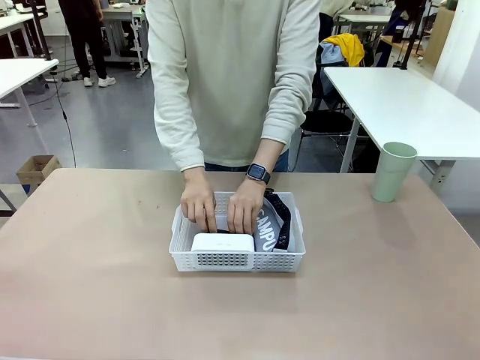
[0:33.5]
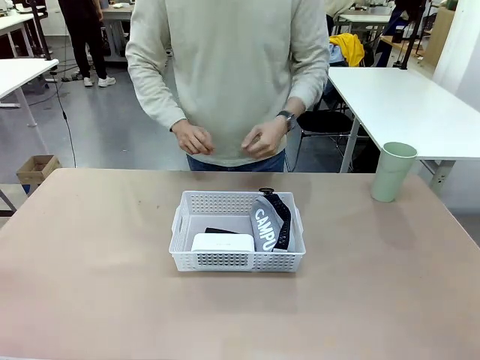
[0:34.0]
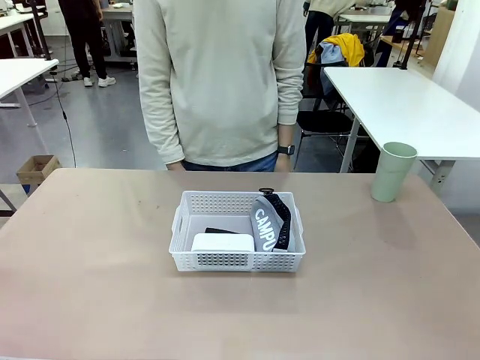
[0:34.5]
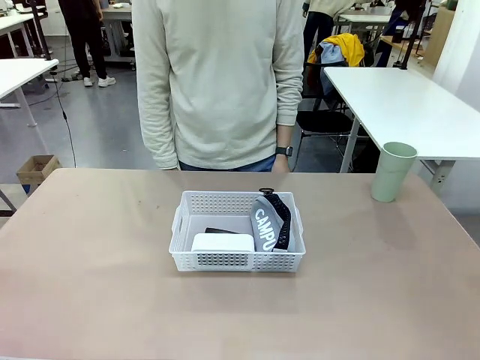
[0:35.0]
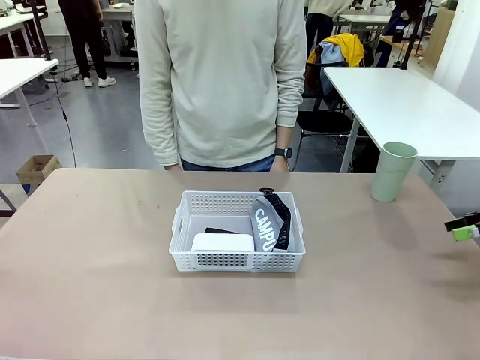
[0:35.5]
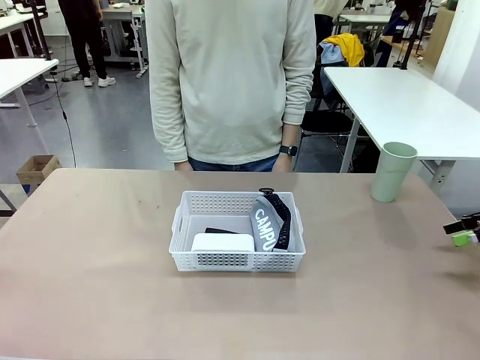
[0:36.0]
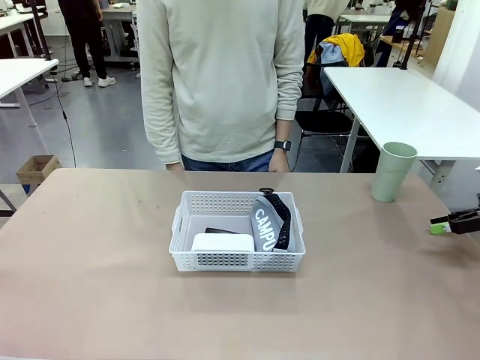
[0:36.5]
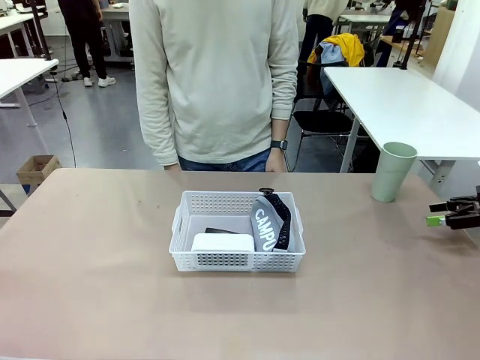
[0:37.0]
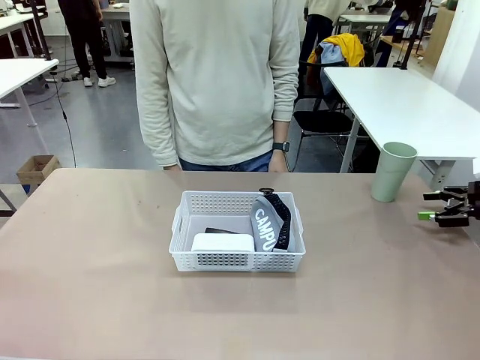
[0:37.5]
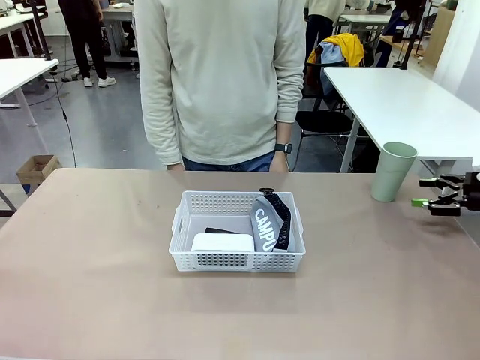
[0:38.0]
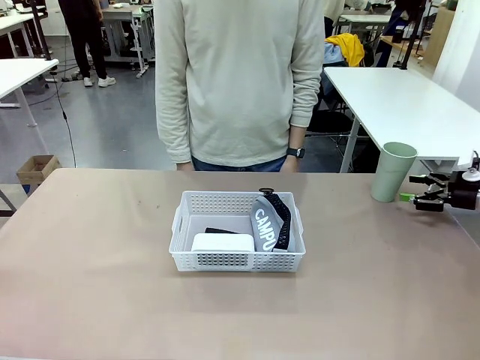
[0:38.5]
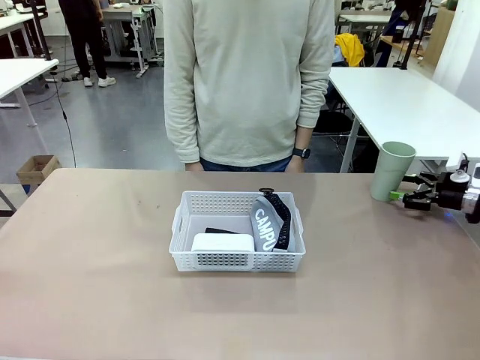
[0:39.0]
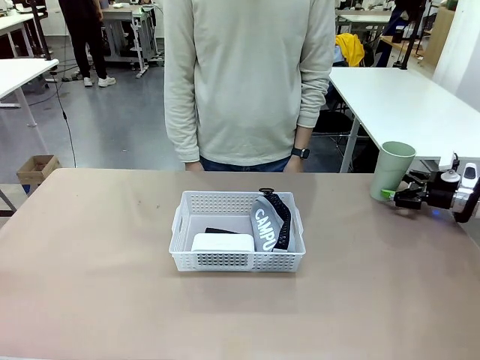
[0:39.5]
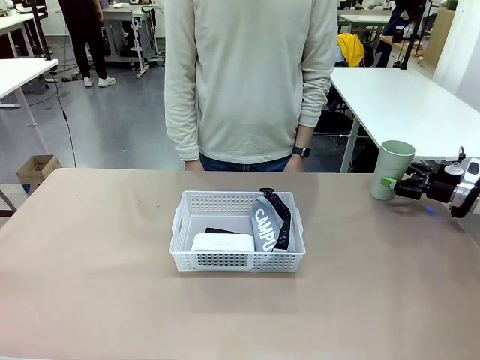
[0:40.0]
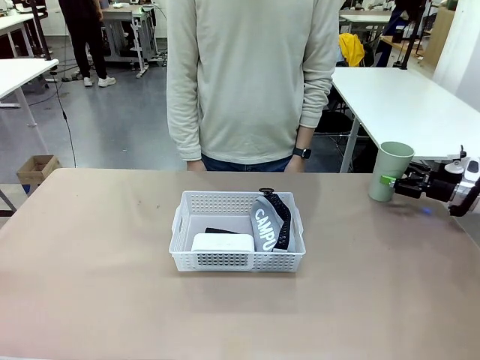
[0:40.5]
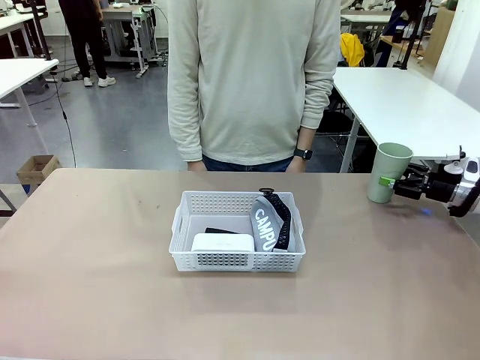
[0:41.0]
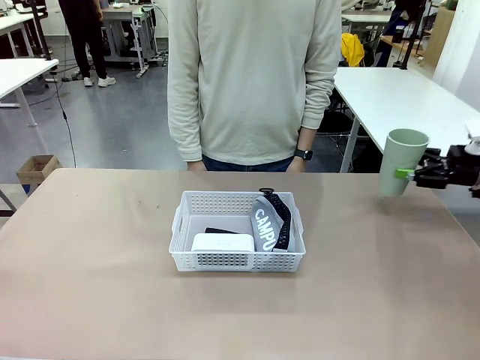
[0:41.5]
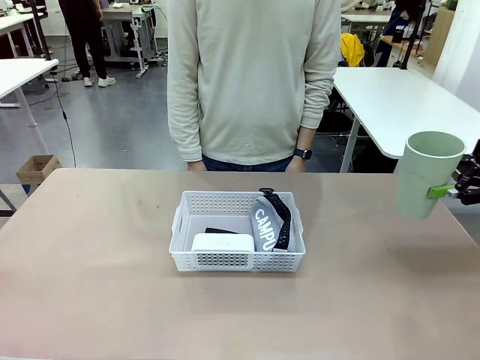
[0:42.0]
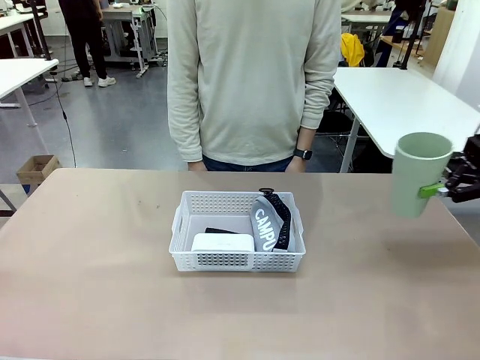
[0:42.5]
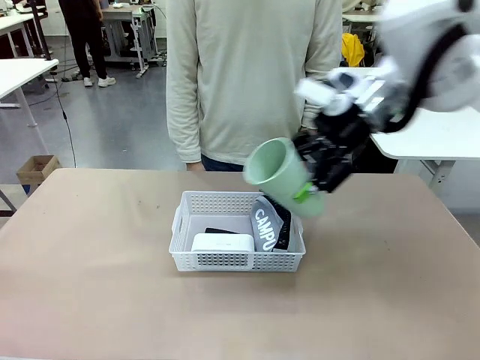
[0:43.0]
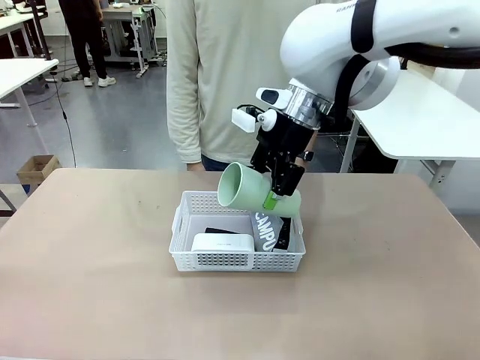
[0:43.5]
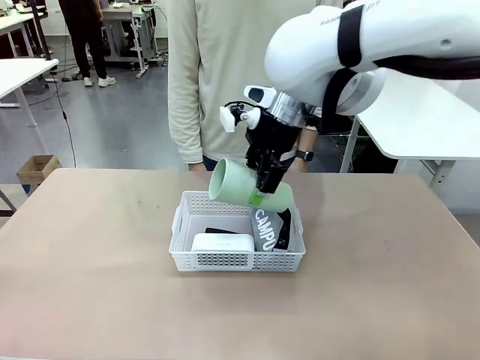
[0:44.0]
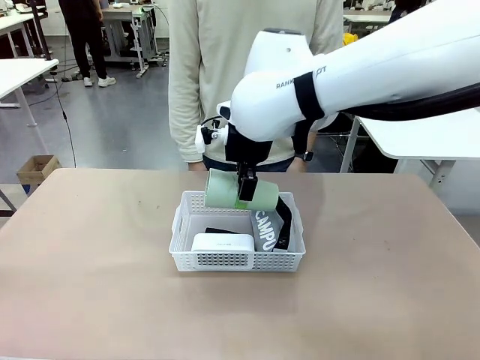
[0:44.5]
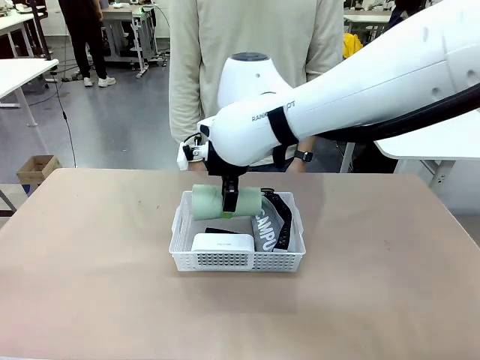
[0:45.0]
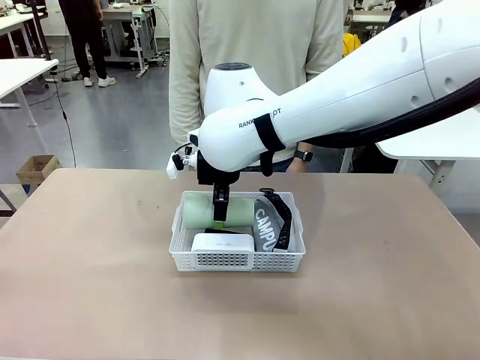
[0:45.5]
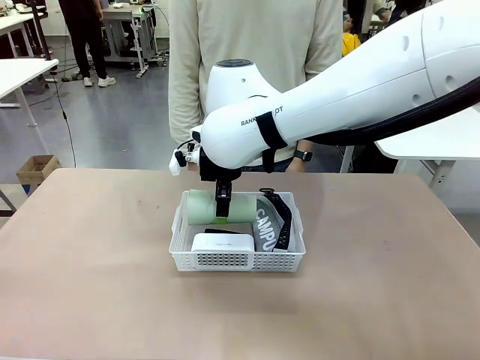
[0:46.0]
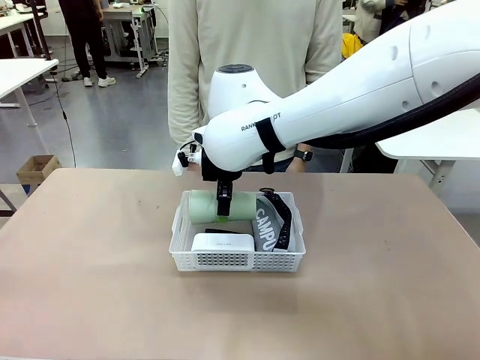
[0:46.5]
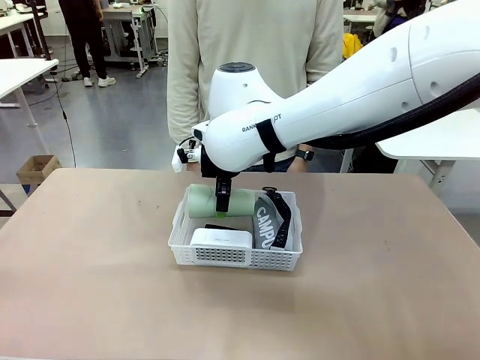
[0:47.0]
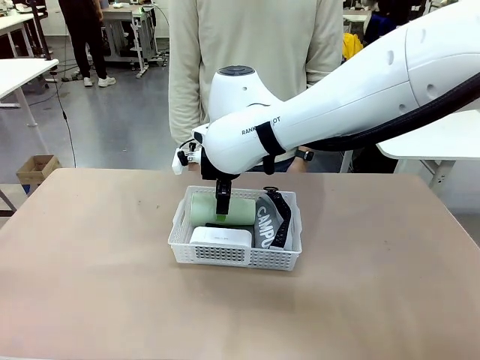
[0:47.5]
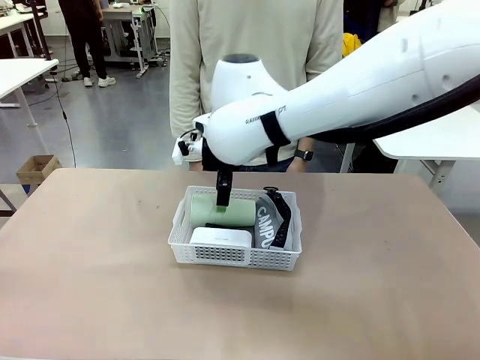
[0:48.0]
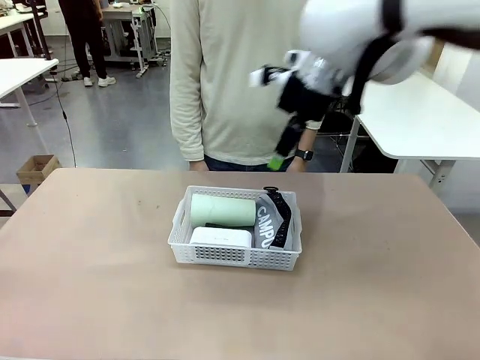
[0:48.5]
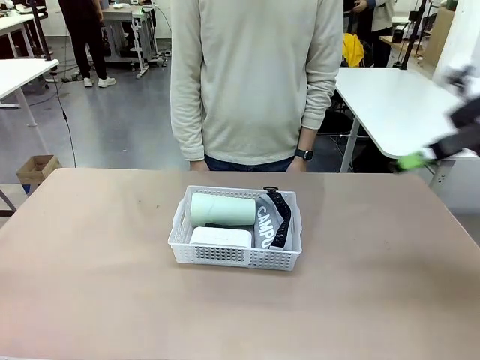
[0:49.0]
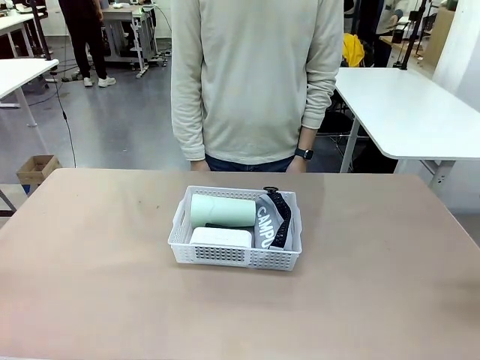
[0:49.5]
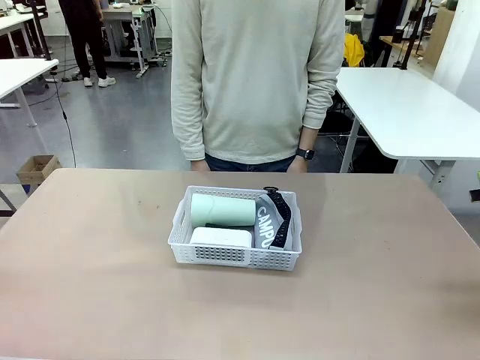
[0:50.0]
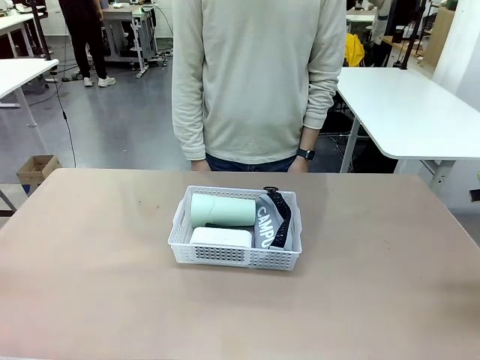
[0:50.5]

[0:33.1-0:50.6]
Task: Efficiently arrange items inside the basket to fit them all.
Robot: Pick up the Reusable plastic cup and place it inside the Organizing basket.
Person: Repositions the stapler.

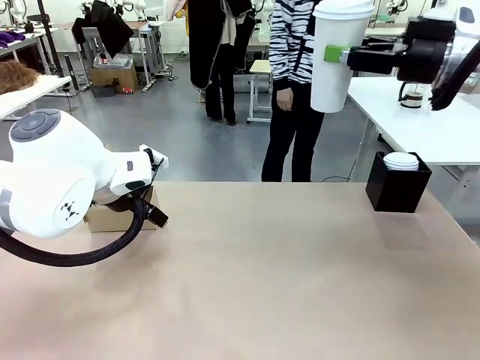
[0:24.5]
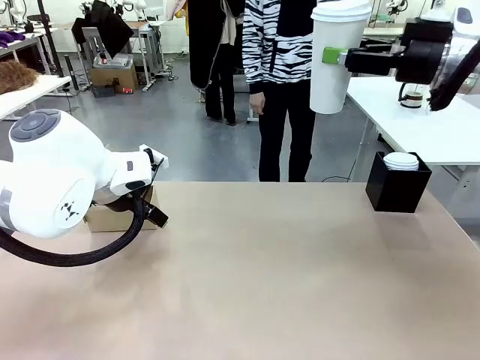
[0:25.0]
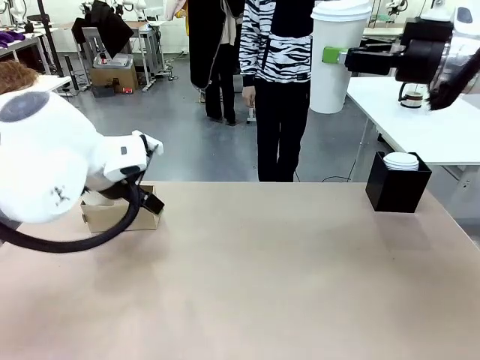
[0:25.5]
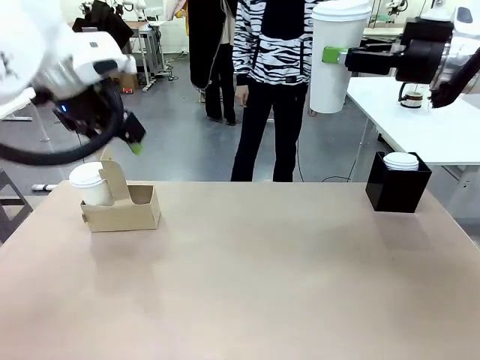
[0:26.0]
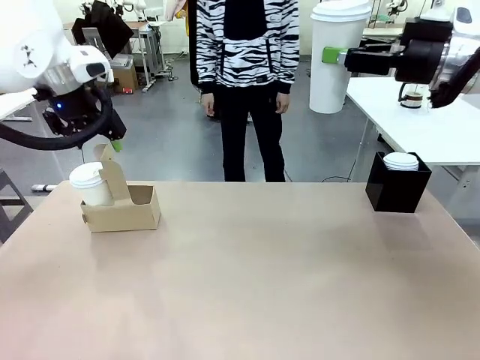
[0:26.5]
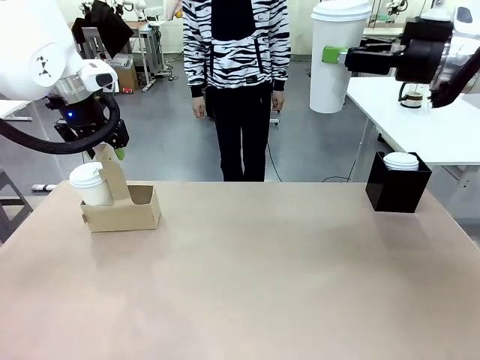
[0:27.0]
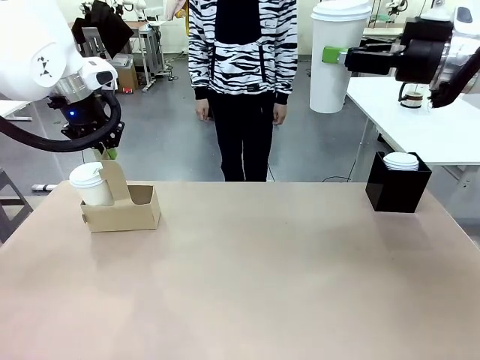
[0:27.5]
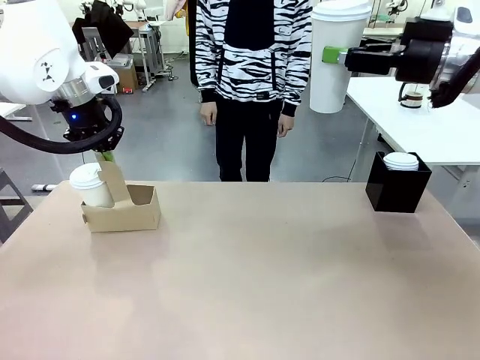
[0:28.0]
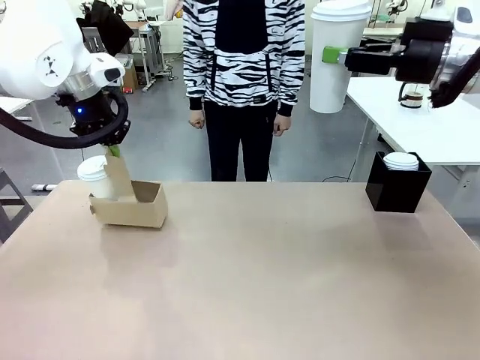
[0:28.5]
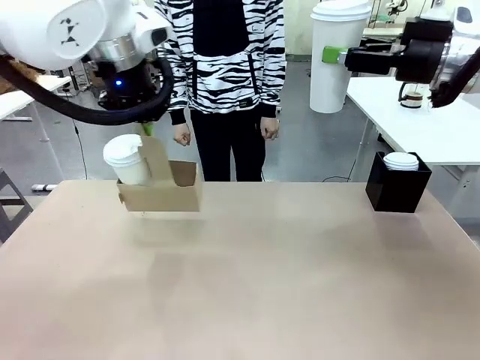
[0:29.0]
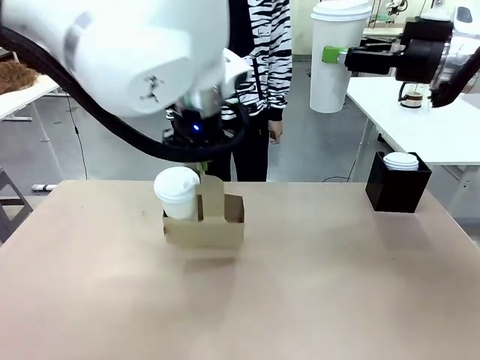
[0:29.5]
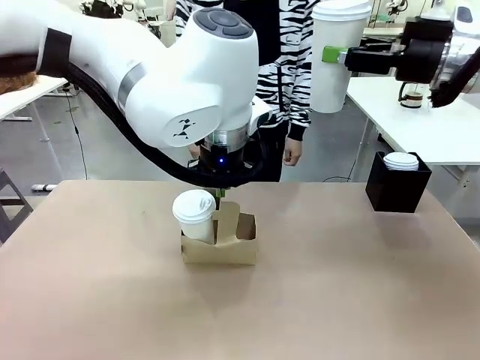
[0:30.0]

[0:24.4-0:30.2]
Task: Pour a drink into a cup and package it in a carrier.
Robot: Position the Cup Carrier in the center of the table.
